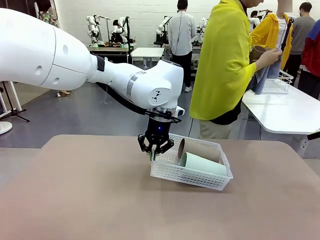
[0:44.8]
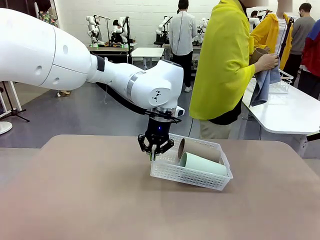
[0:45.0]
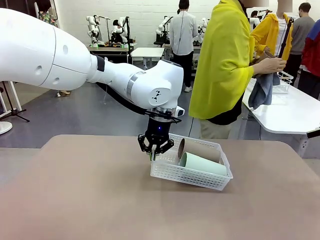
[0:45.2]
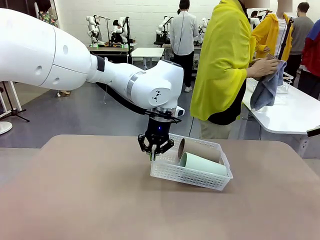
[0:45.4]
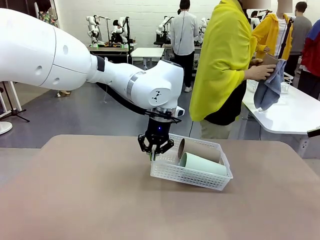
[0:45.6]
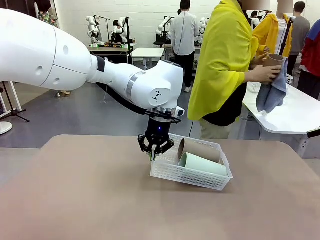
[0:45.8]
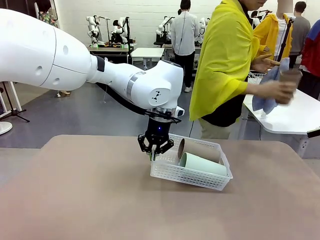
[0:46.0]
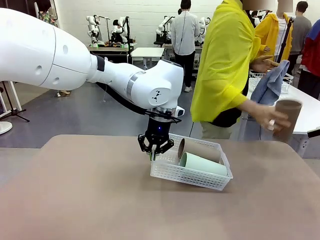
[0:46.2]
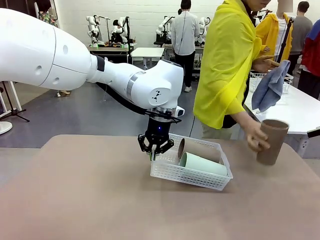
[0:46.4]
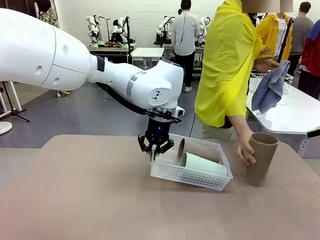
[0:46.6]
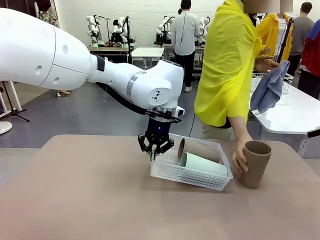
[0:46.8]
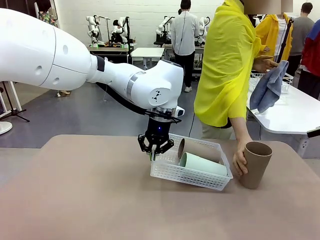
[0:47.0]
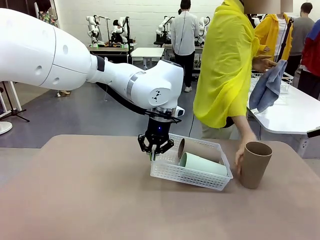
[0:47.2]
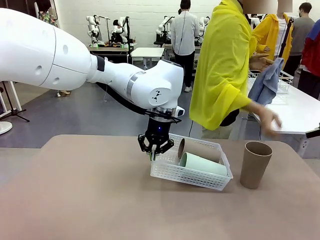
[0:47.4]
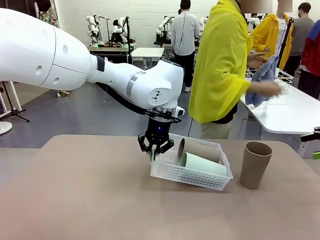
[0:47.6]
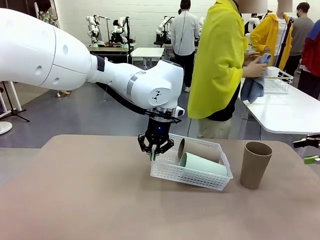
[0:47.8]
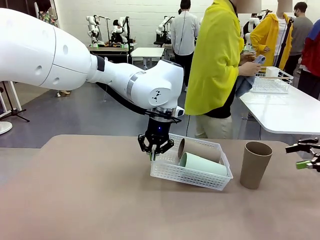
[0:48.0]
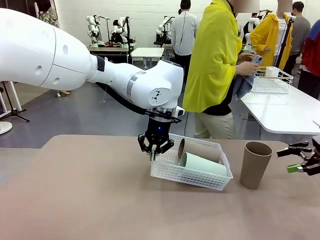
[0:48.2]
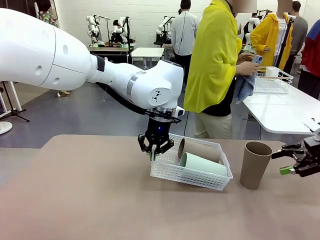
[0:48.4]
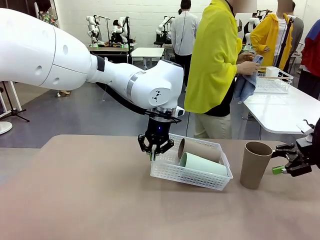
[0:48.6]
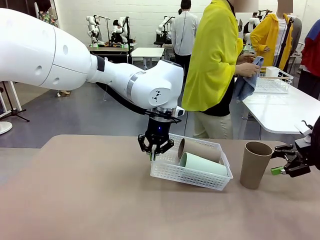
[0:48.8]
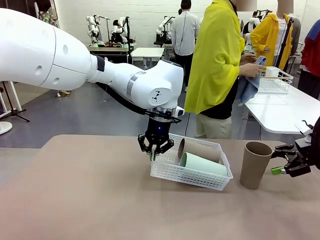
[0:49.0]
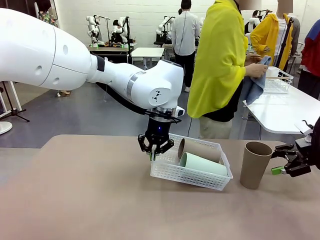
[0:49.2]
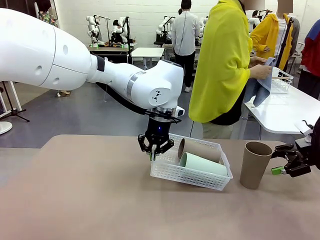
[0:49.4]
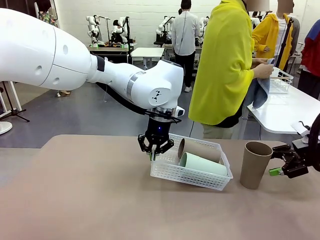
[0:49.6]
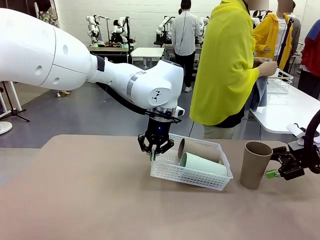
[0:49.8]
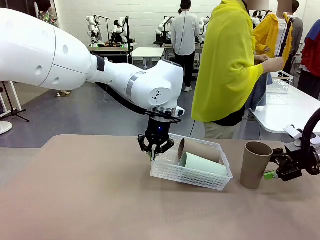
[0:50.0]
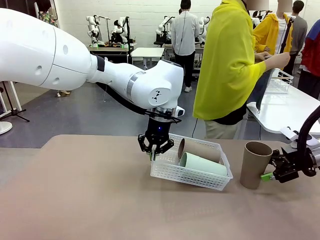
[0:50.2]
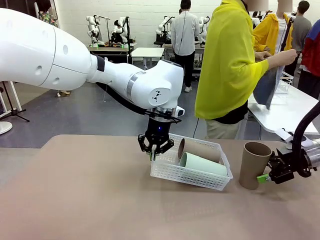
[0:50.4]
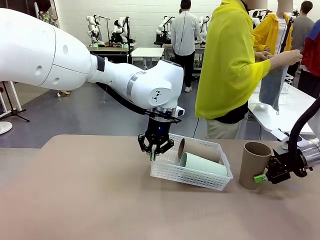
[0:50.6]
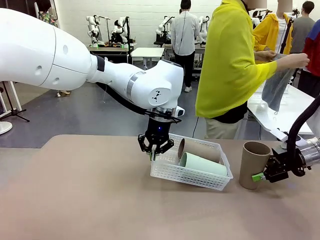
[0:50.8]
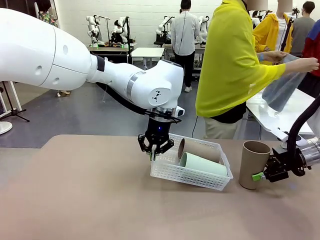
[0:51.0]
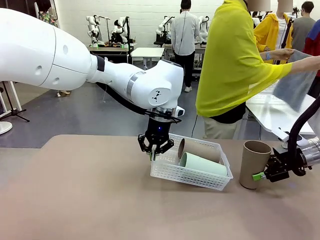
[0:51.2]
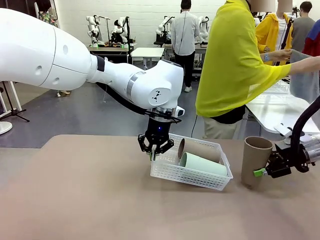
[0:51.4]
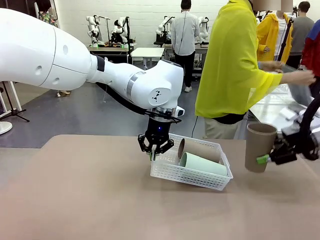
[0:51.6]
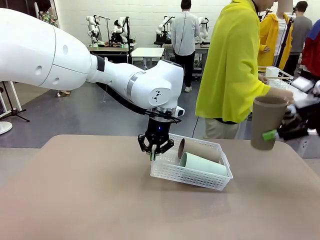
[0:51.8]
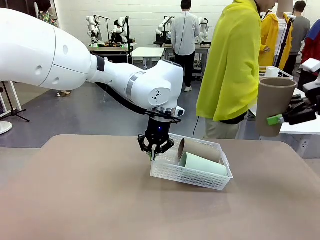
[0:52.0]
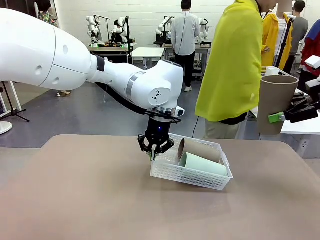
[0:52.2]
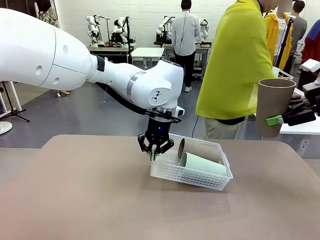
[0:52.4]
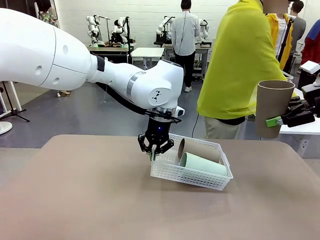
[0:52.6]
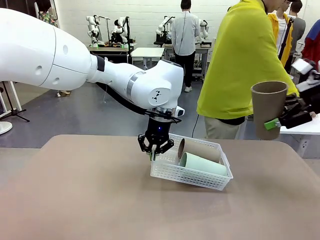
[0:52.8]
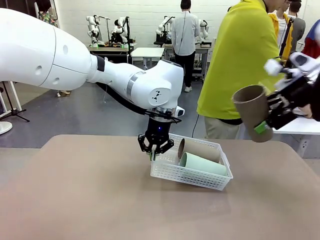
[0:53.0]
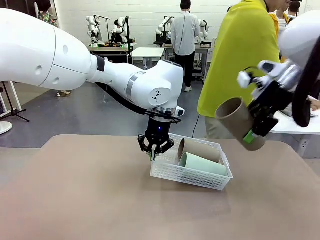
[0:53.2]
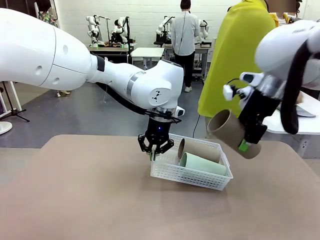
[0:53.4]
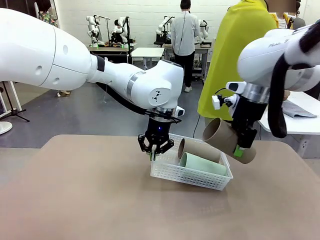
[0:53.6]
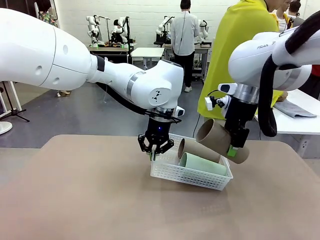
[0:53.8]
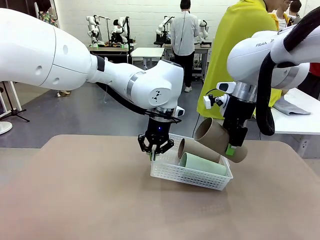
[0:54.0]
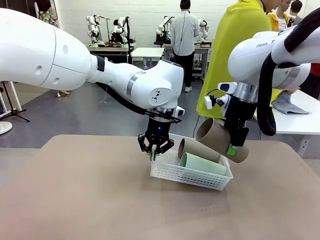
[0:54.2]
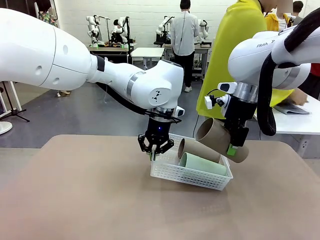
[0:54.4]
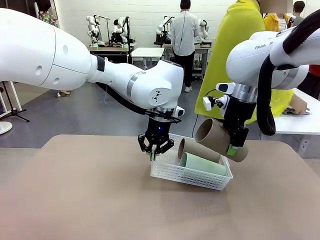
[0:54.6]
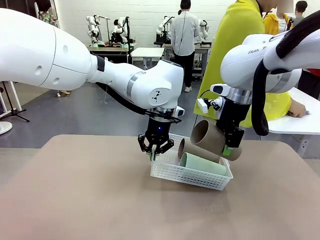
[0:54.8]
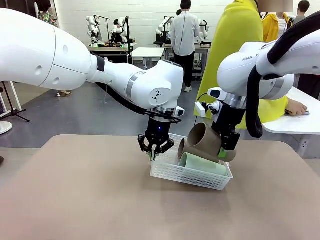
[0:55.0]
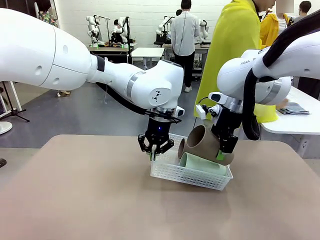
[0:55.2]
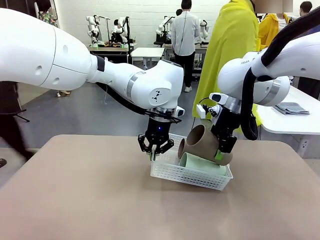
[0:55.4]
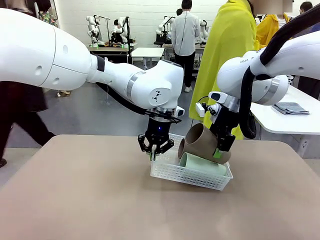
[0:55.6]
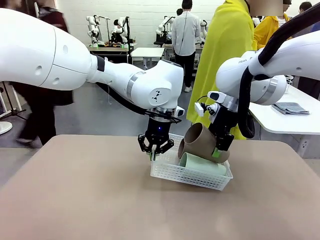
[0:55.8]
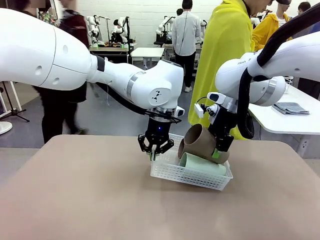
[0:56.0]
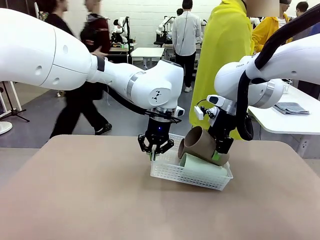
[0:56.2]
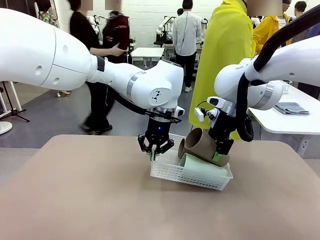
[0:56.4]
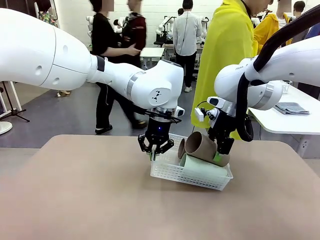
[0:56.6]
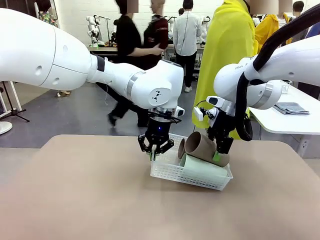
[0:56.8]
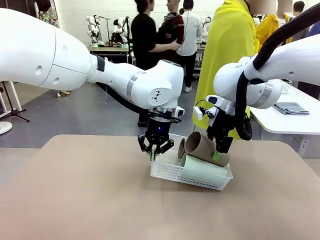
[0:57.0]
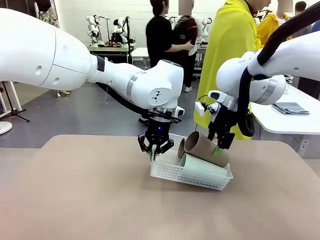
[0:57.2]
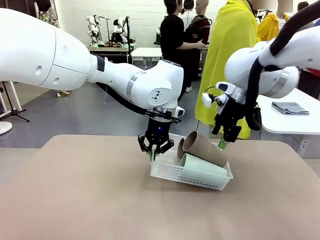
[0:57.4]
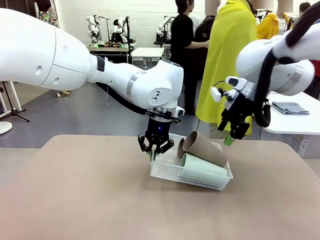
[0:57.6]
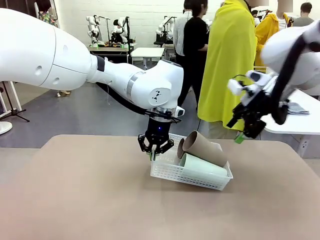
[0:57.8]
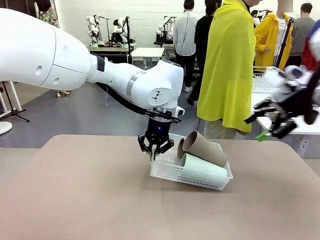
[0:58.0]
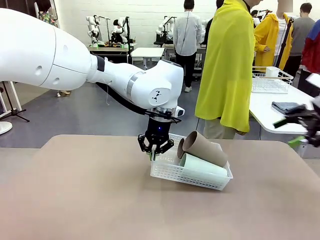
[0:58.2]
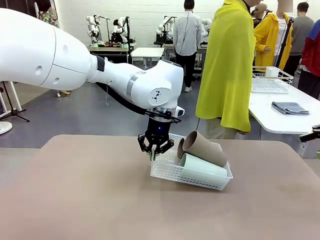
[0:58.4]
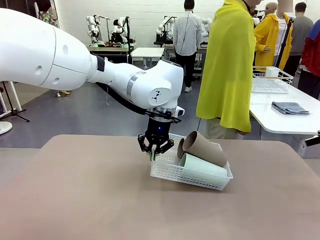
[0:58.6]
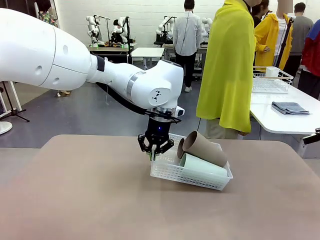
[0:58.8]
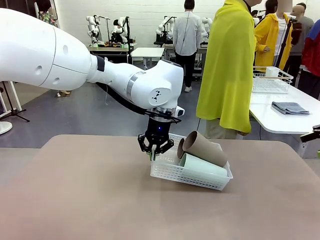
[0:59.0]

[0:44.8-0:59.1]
Task: Clean and organize the cups into the basket.
Robot: Pick up the Reusable plastic cup from the right side of the table and stack it inside the Organizing basket in the center of the table.
